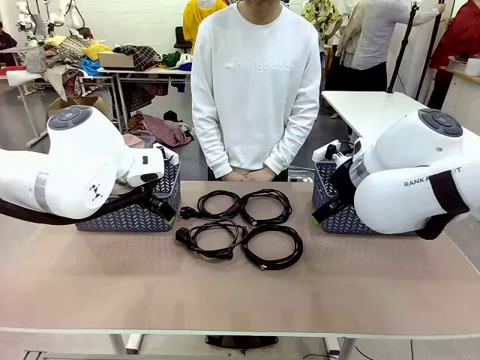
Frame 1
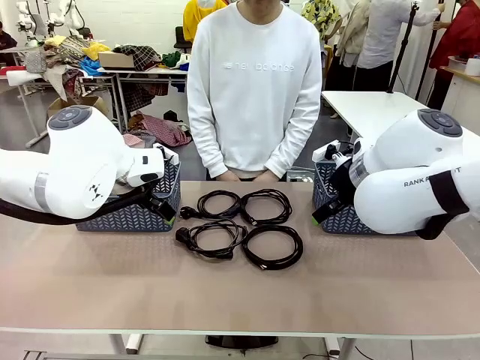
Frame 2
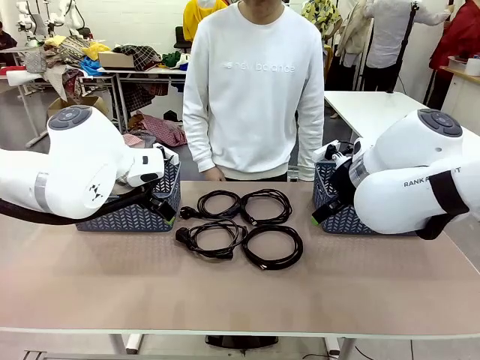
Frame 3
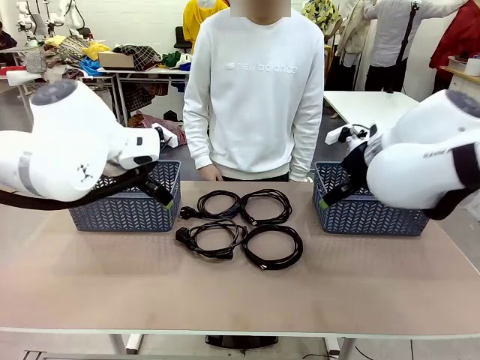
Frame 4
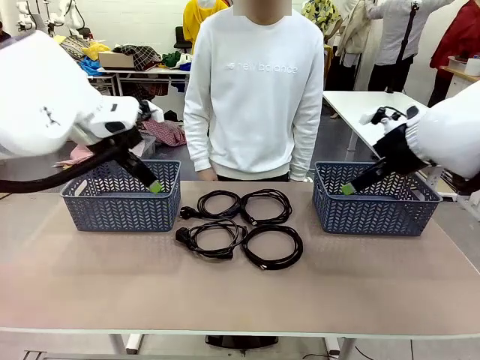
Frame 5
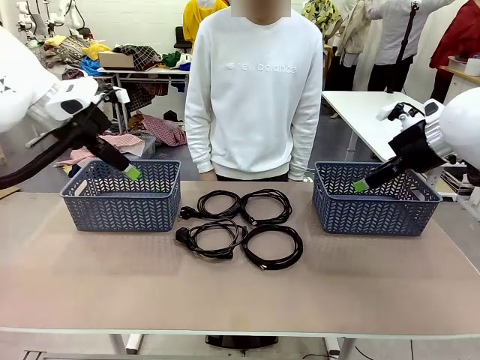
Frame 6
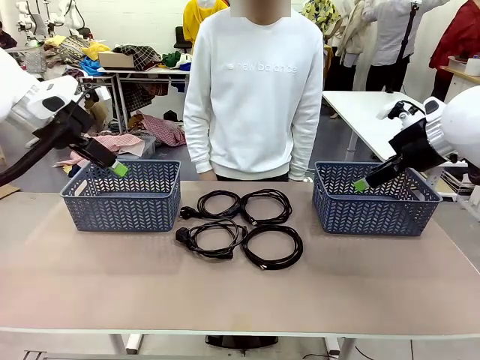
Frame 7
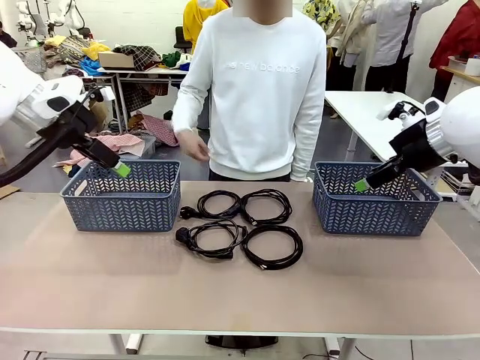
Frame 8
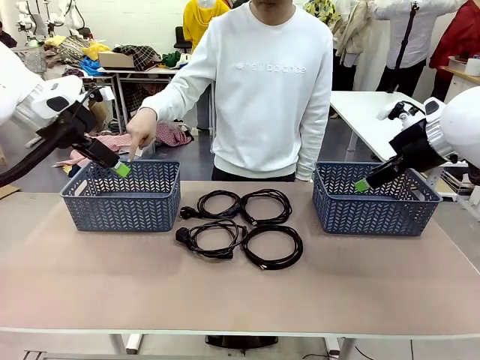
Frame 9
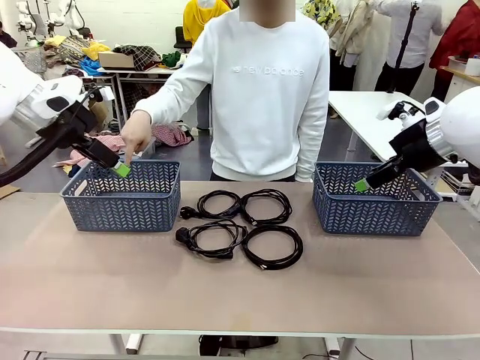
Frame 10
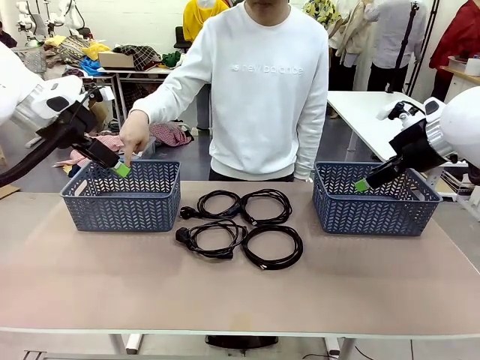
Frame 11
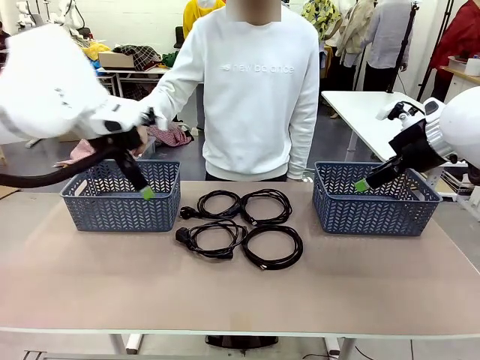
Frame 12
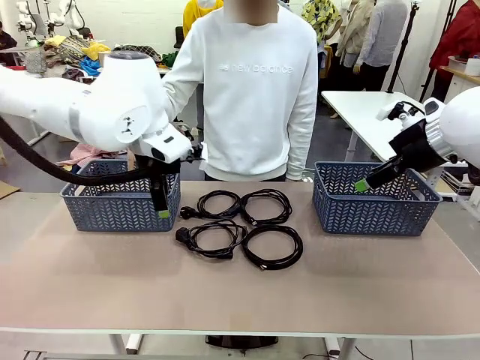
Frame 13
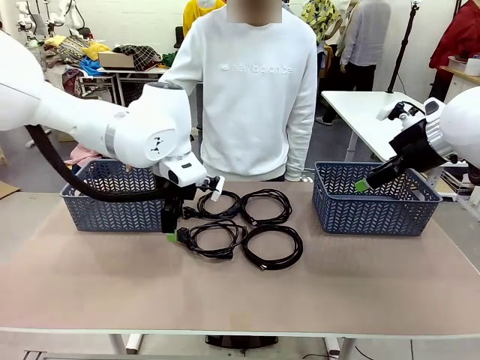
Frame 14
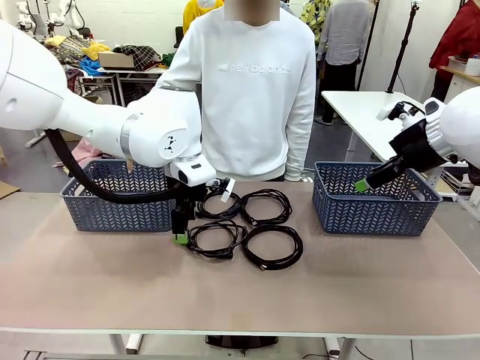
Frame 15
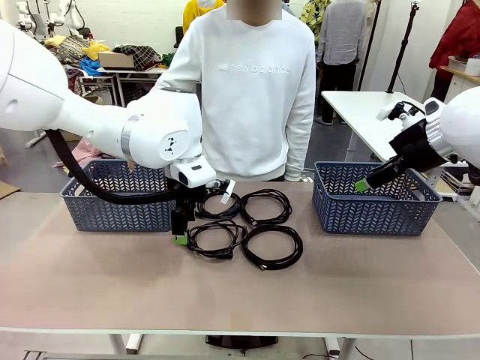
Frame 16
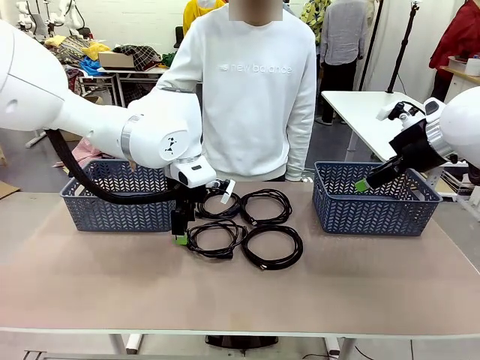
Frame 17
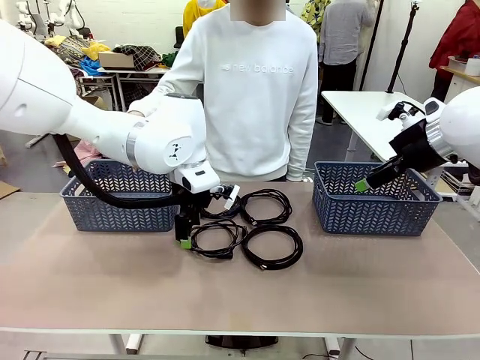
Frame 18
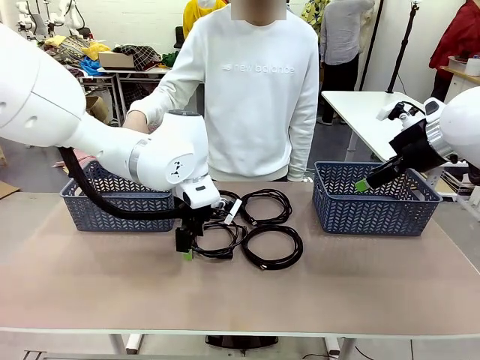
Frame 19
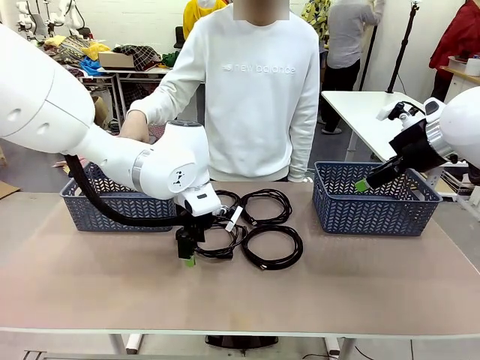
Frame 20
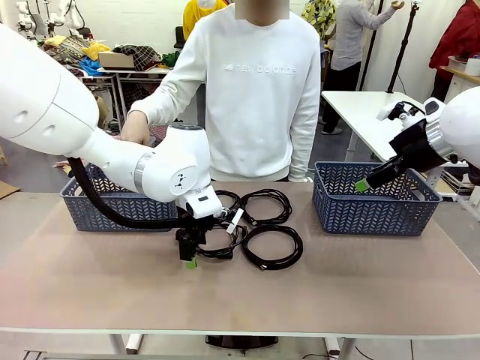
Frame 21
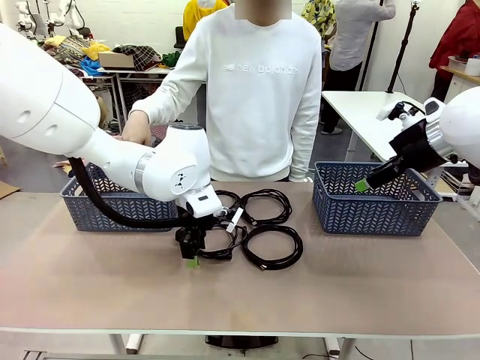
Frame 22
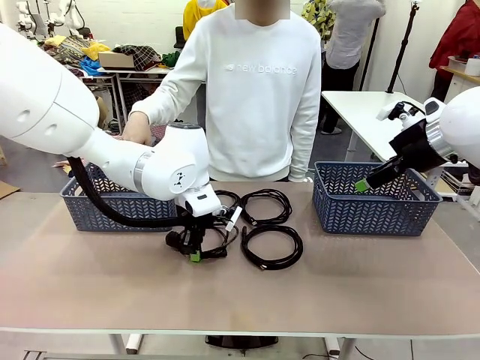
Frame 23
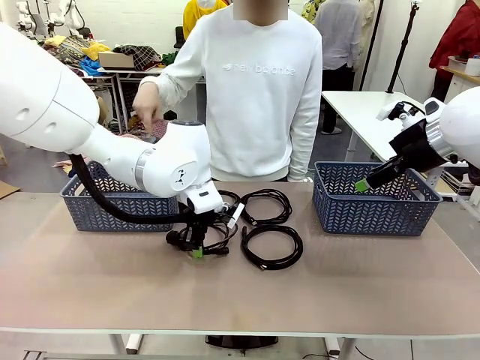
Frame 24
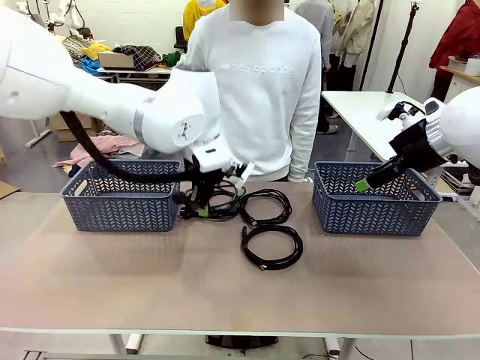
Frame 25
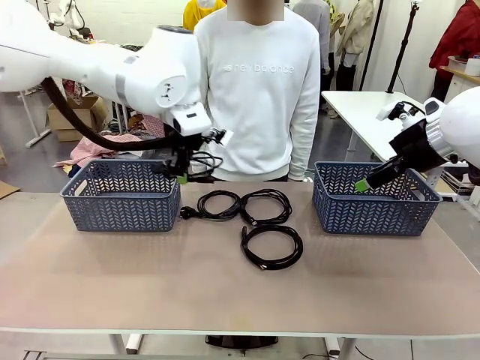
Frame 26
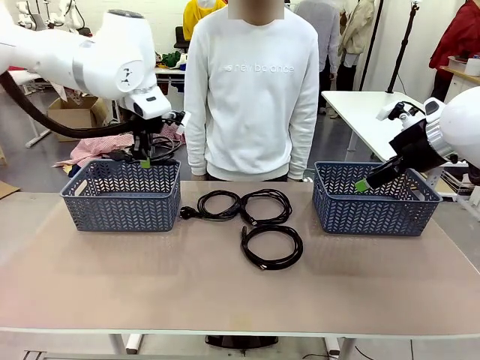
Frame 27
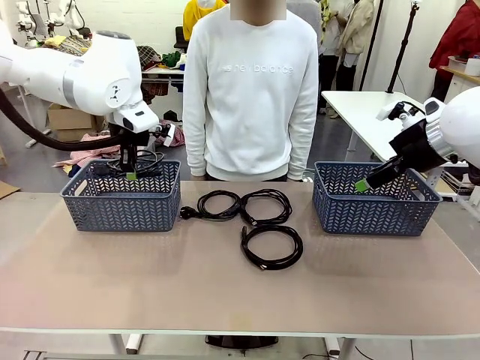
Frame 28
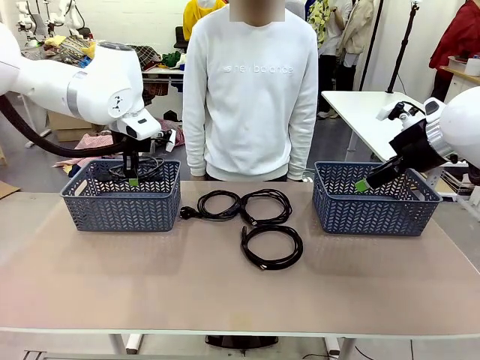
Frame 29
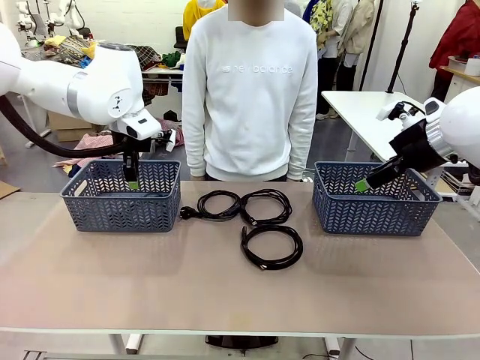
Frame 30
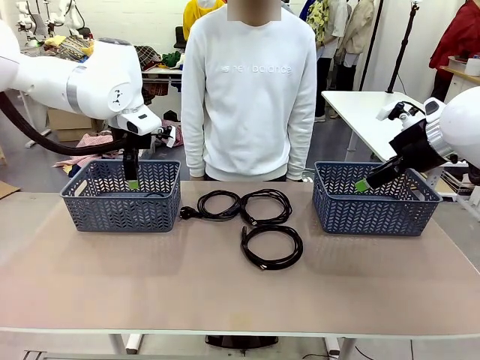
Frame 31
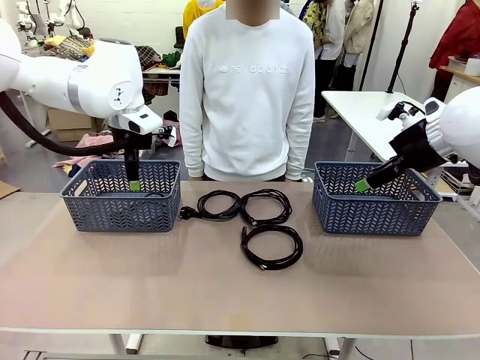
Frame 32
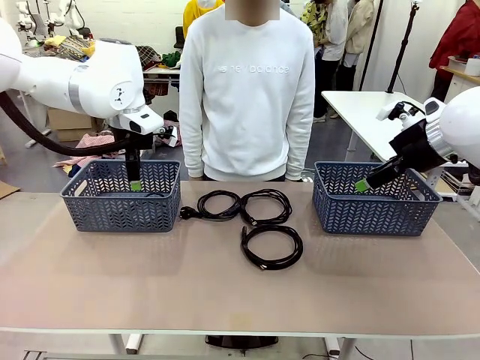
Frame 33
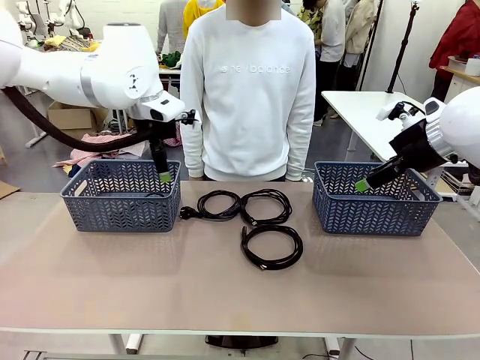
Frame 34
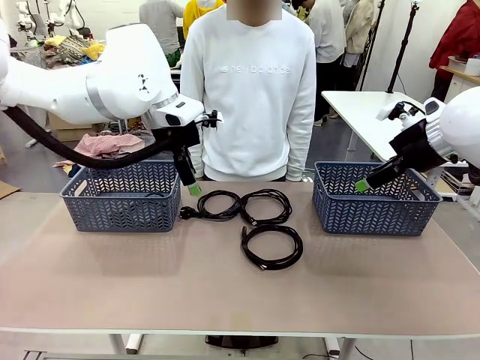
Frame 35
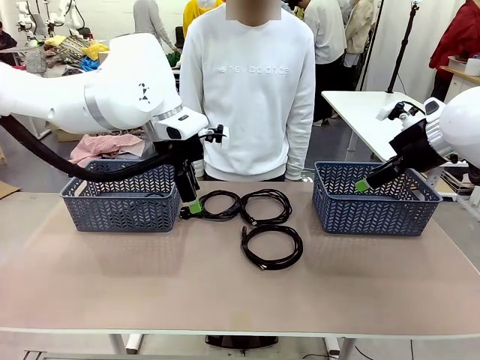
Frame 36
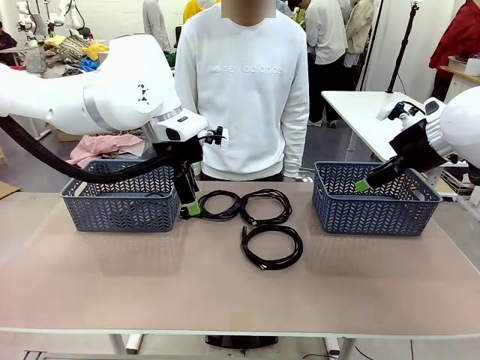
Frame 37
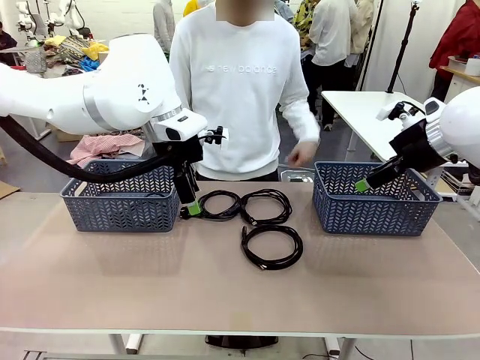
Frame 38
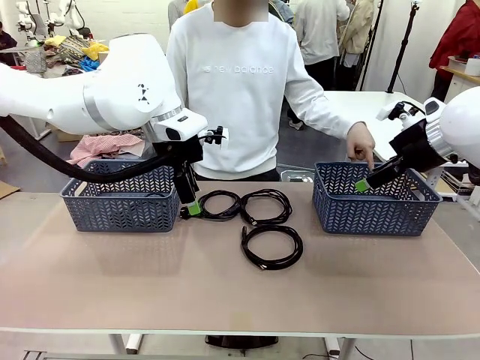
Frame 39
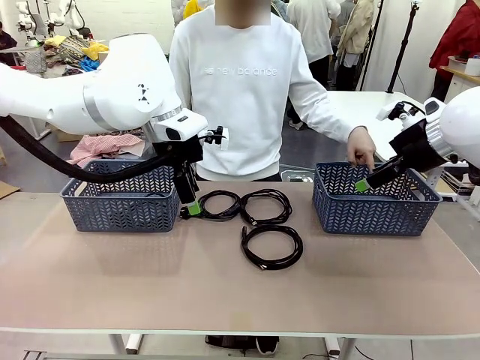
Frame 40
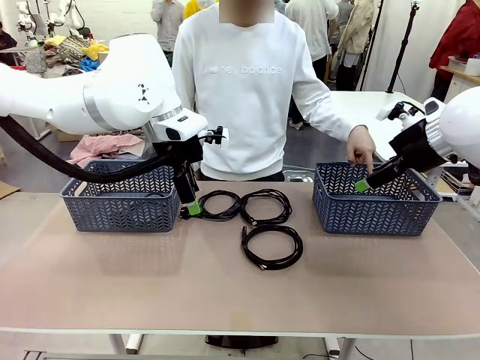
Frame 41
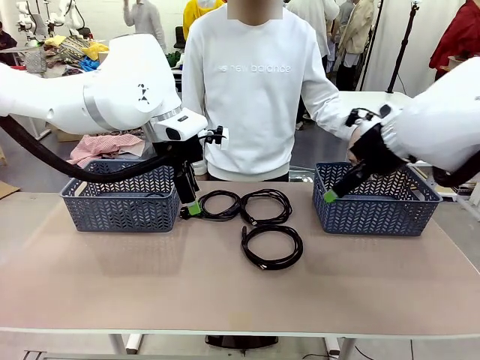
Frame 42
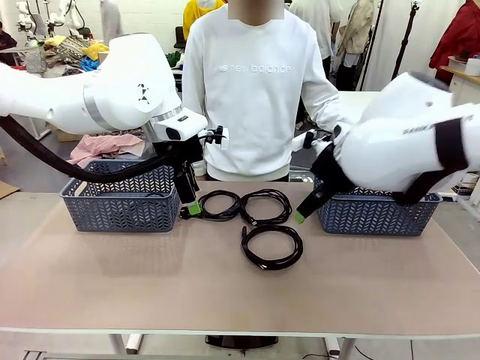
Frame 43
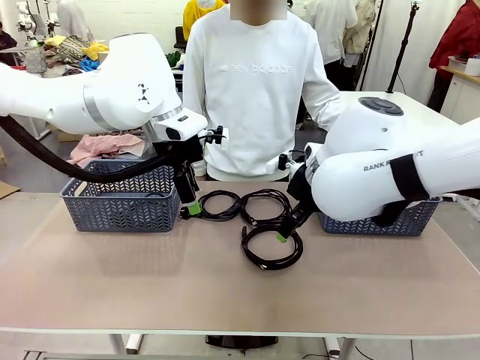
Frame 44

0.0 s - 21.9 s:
Task: Organize the cables according to human instructions.
Robot: Pick up a bundle of cables and place it in the basket indicated by the human.
